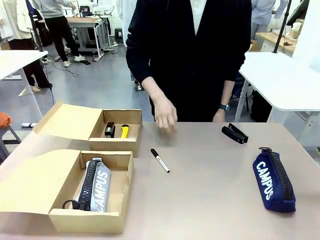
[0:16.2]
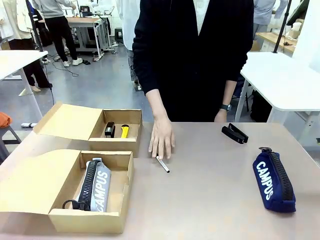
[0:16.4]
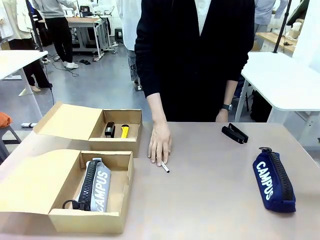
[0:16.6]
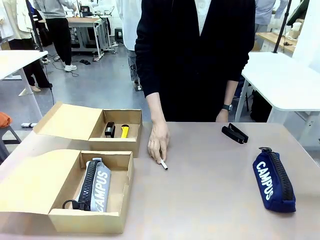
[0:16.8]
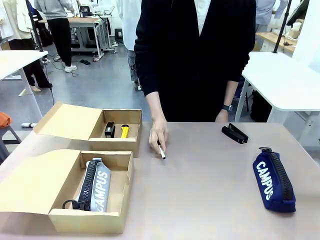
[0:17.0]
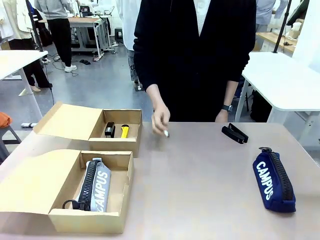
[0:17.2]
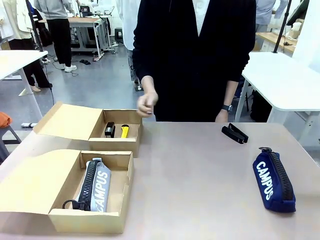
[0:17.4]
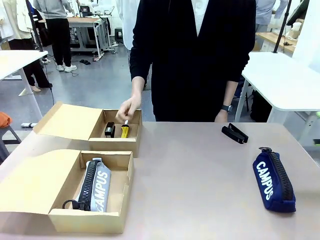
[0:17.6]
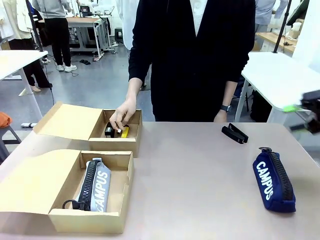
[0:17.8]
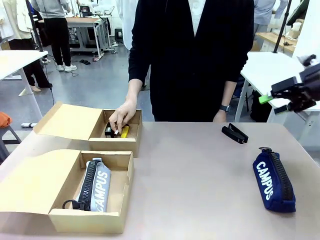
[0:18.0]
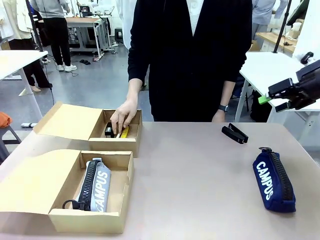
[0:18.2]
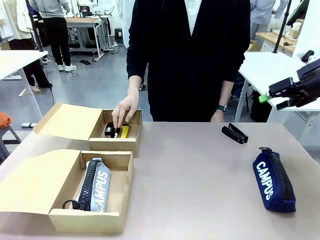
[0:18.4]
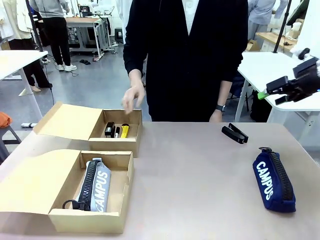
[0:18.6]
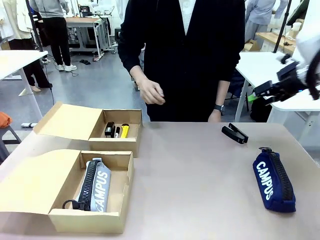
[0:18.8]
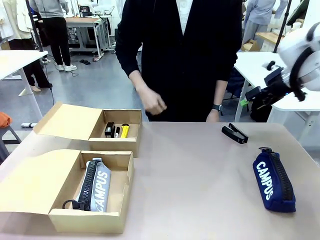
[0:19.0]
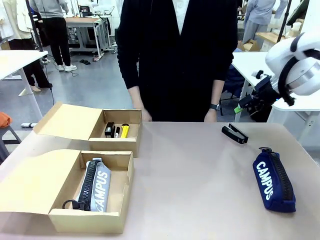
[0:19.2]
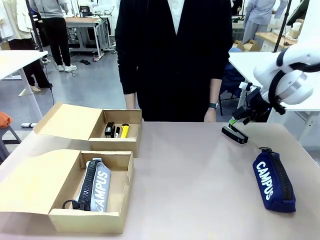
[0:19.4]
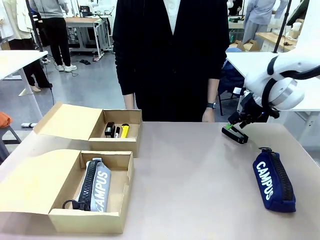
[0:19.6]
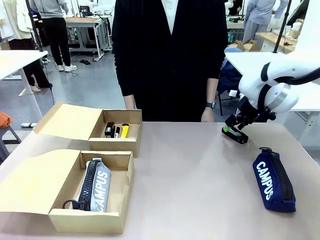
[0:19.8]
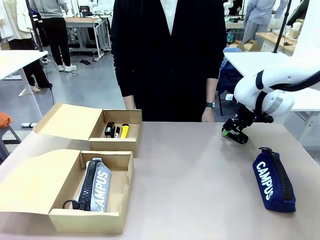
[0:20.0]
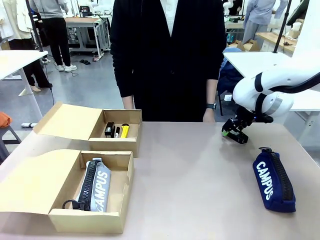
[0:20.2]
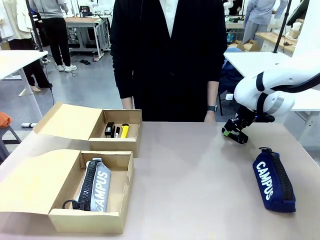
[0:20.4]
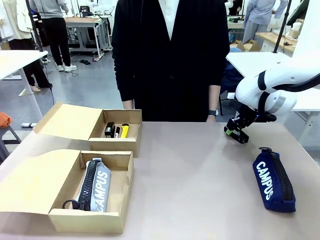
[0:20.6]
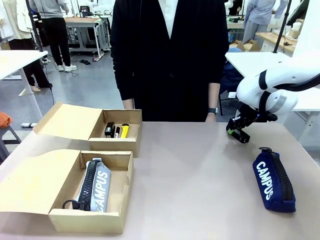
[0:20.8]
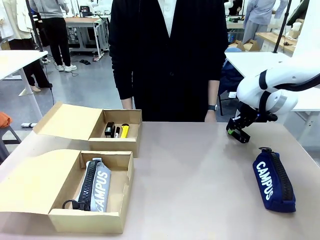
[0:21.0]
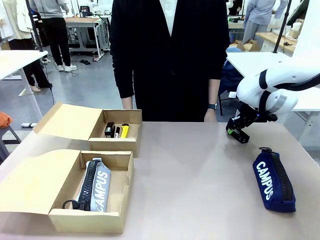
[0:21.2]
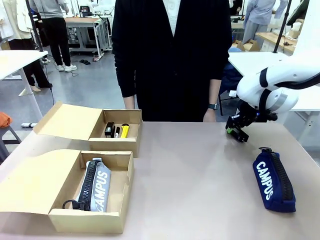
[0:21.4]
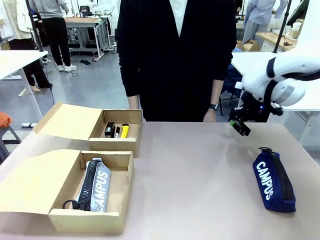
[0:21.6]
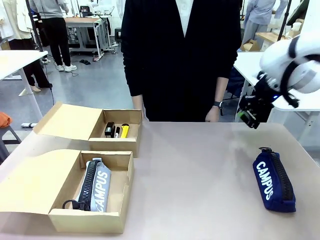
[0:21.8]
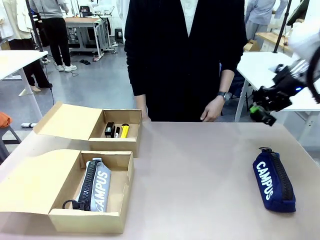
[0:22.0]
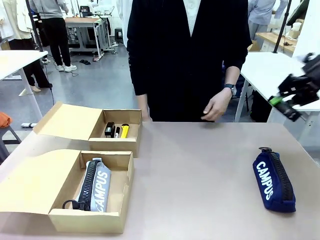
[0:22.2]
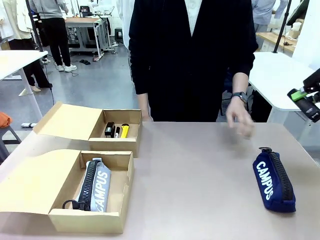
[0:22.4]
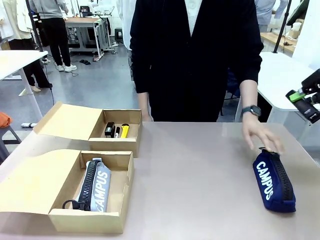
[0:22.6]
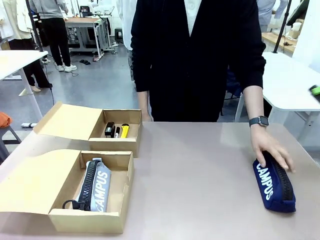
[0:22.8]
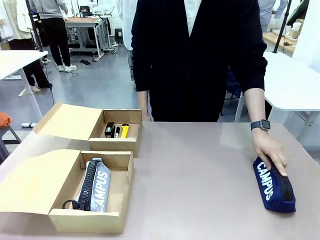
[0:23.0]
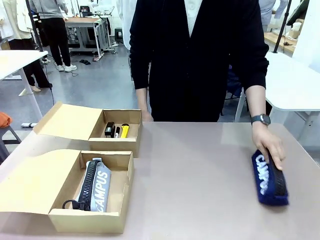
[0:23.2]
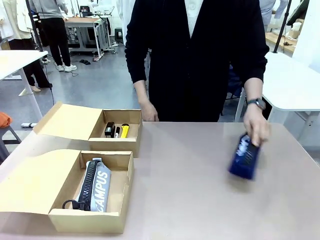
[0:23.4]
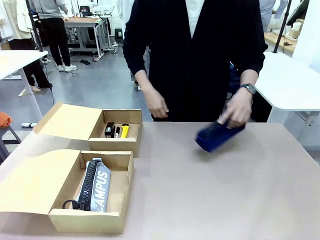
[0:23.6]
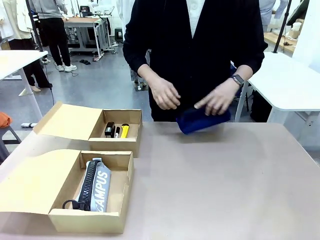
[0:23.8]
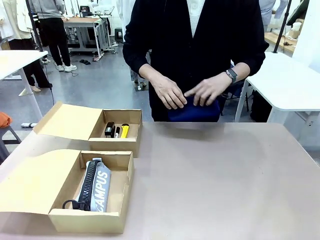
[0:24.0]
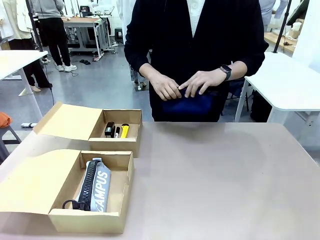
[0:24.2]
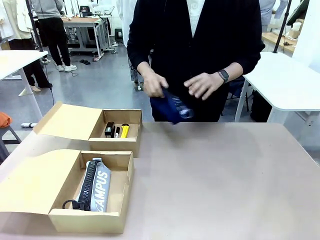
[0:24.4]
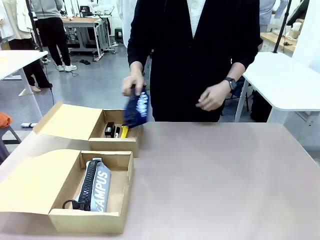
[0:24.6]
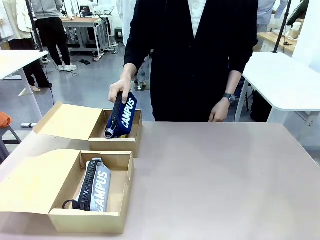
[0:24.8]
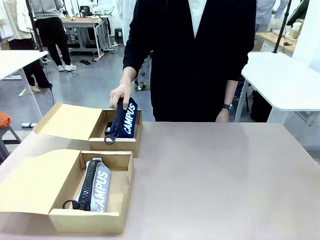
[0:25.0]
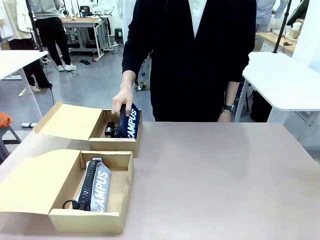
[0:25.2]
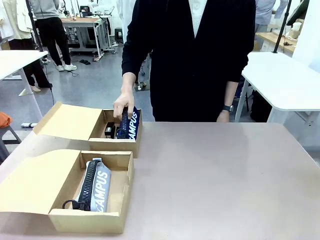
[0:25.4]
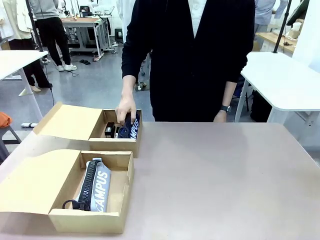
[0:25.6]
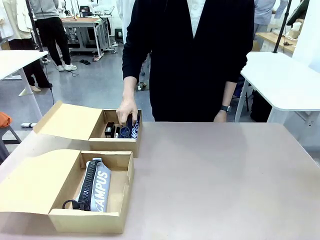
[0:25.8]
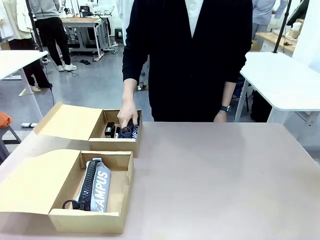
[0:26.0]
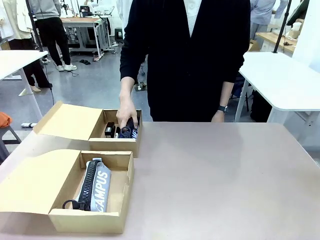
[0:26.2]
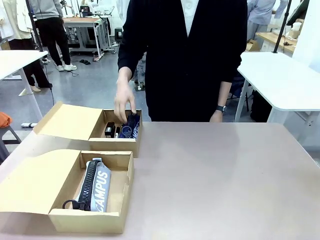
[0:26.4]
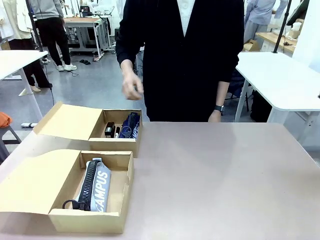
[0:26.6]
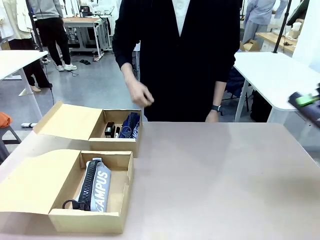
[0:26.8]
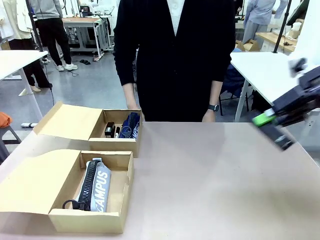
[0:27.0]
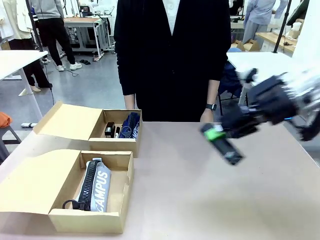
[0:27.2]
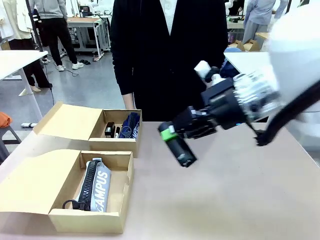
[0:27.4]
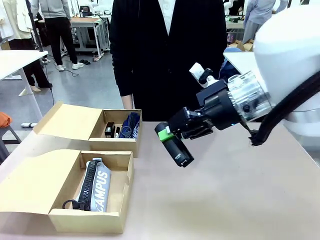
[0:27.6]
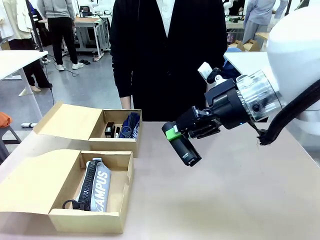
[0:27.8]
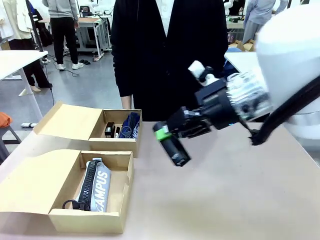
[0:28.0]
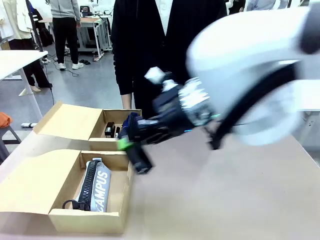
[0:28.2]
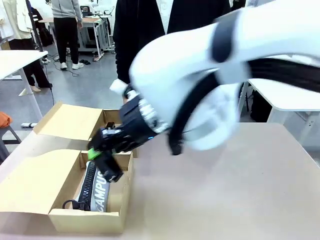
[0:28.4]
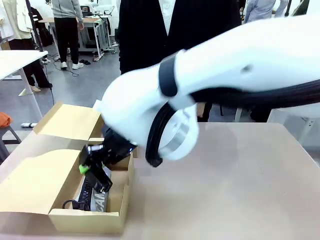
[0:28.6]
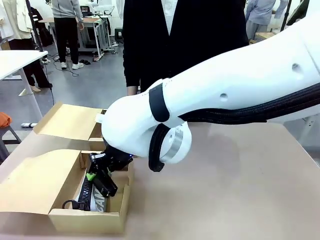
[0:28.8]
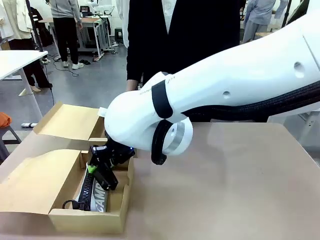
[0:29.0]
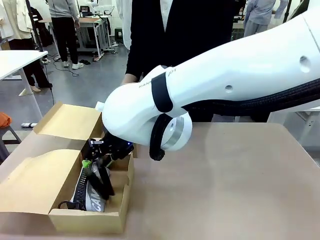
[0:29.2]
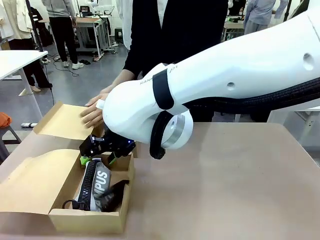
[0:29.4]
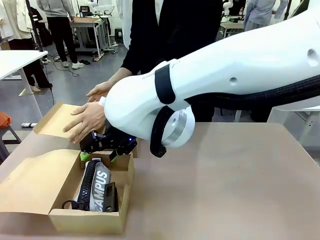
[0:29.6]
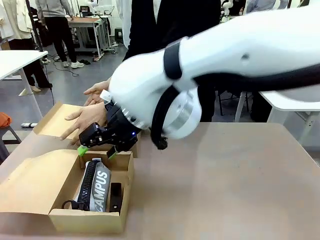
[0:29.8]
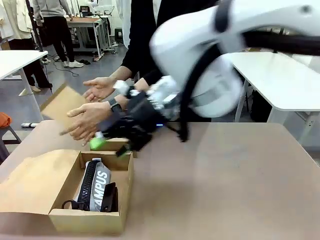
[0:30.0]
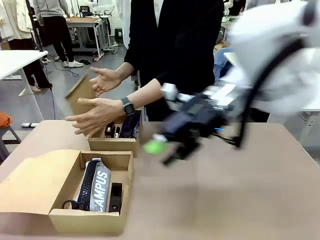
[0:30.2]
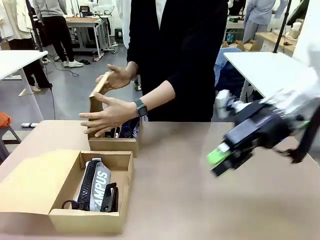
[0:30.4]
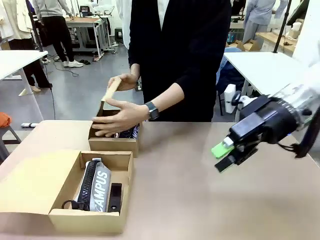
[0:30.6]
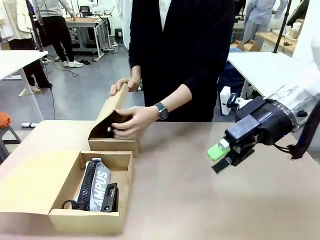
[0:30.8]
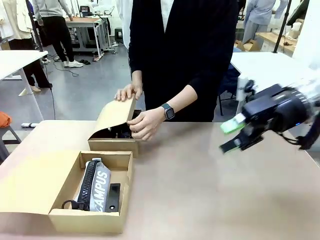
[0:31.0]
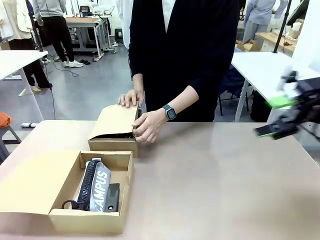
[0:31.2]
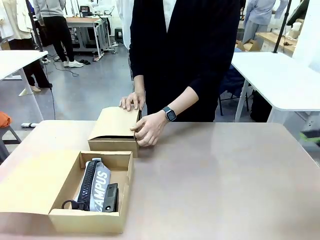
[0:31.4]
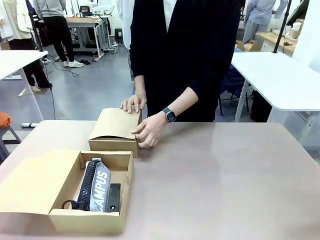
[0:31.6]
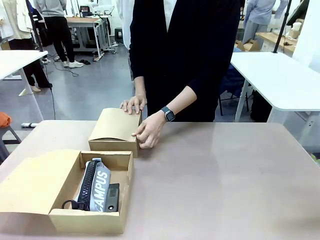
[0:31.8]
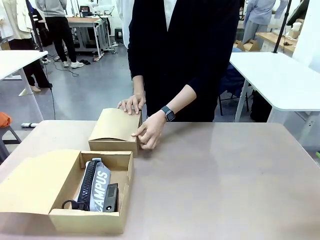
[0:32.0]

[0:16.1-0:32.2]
Task: Place items inside the box.
Robot: Pick up a Pencil pouch or Stapler and place it inside the Mailer Box closest to the robot.

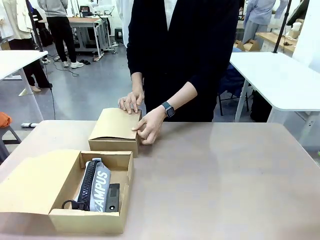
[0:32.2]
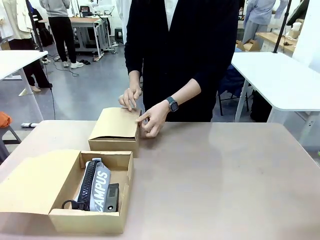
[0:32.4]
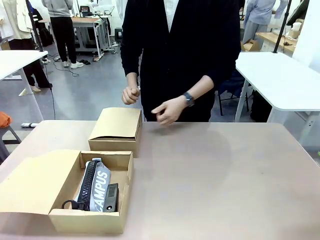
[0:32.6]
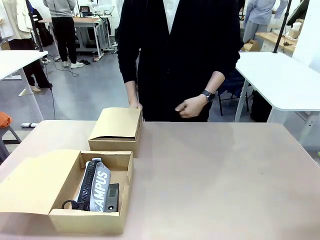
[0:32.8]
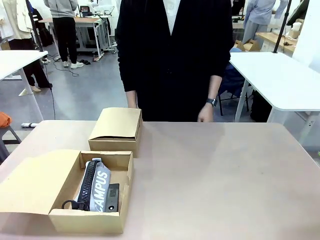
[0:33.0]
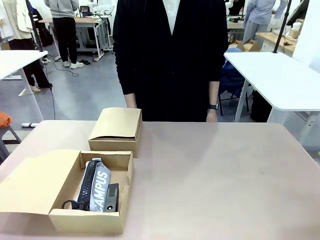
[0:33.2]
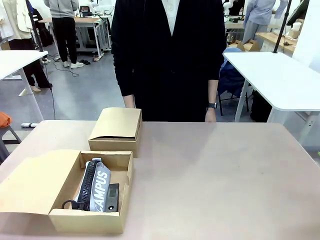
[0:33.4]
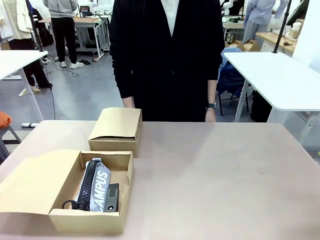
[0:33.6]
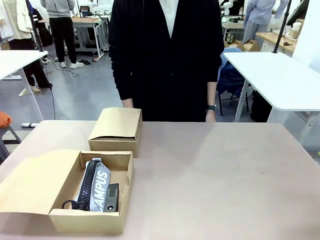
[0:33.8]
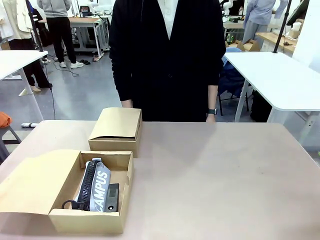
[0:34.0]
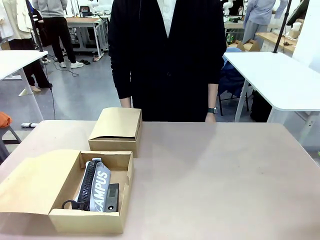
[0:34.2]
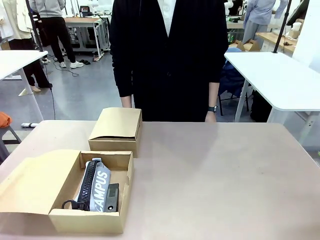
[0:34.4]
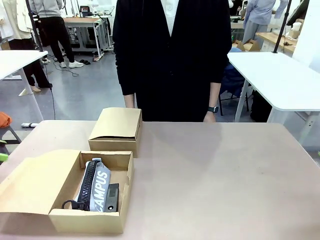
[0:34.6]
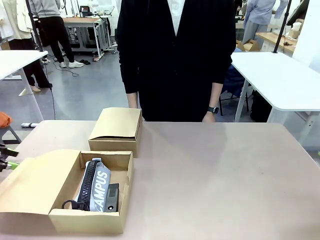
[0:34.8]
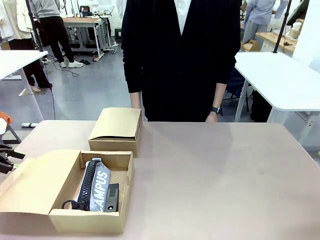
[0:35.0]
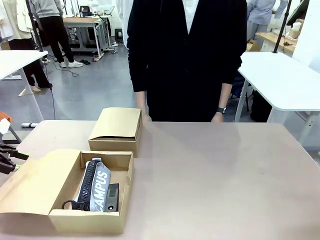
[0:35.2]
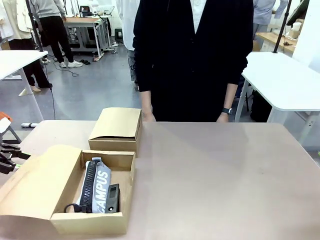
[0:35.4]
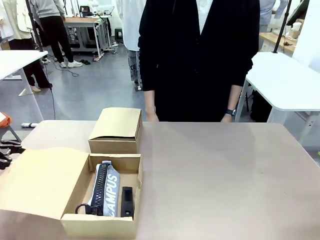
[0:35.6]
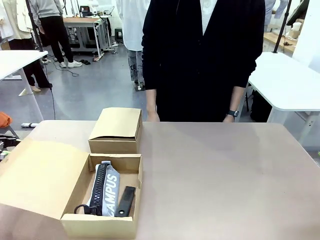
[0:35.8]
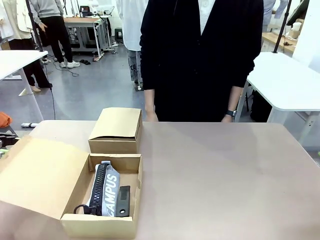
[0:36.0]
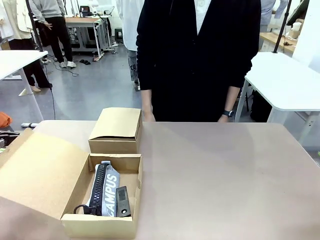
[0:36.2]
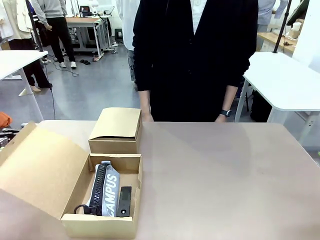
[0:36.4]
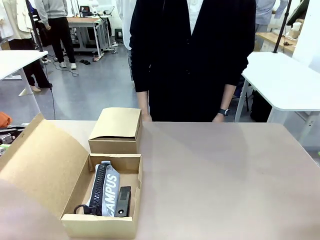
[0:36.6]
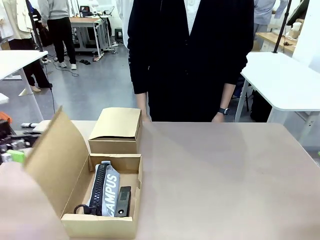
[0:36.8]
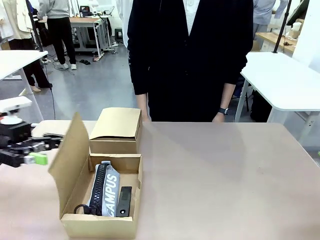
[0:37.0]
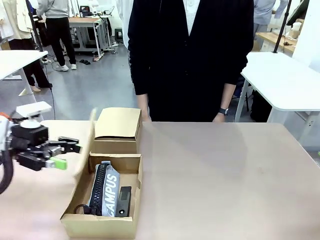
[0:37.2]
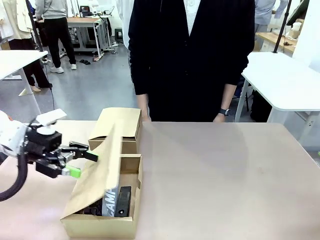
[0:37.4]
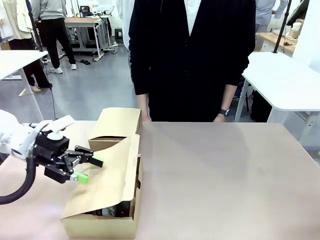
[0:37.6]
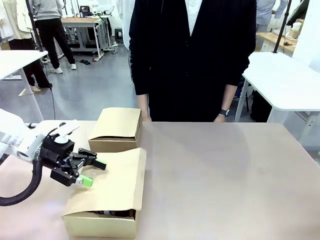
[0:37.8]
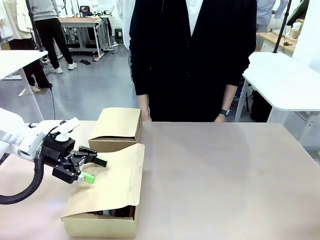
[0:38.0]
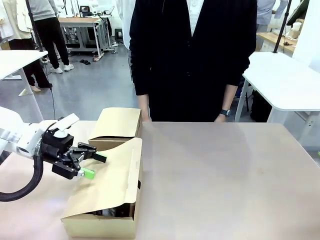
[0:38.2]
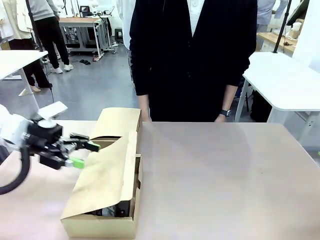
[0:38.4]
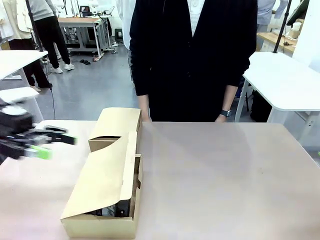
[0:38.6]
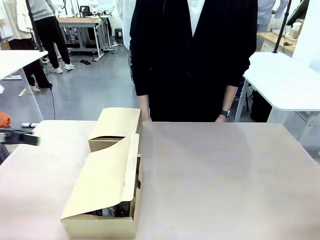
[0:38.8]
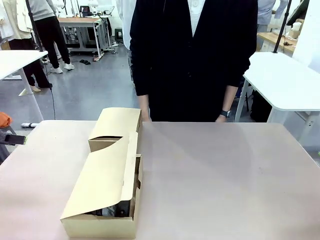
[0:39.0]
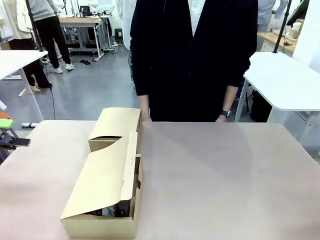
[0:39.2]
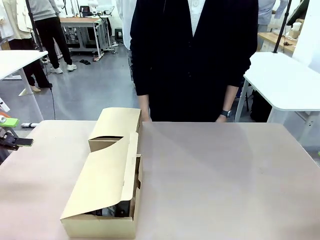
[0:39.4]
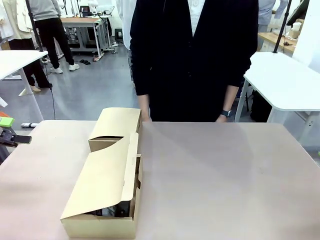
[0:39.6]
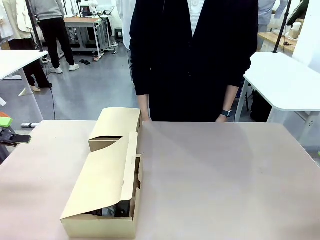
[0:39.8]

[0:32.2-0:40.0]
Robot: Close the lid of the Mailer Box closest to the robot.
Person: Close the lid of the box facing the person.
